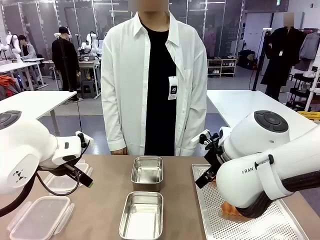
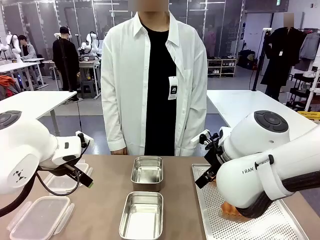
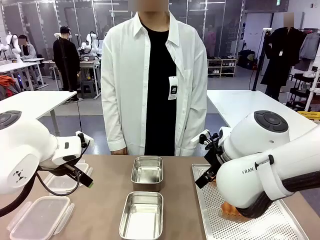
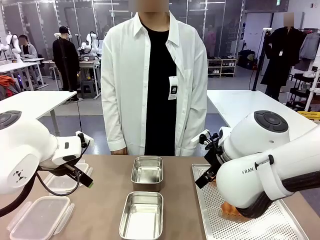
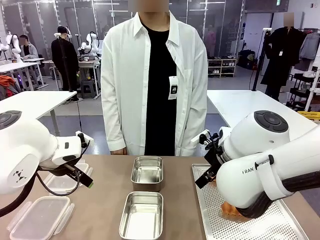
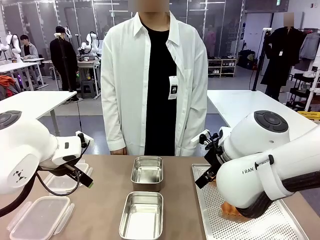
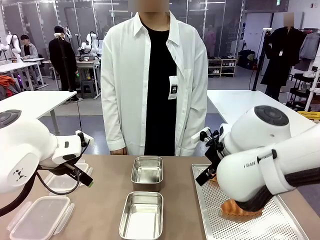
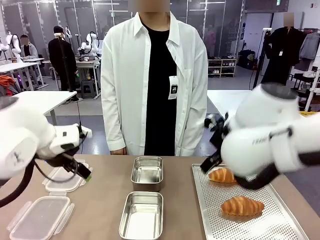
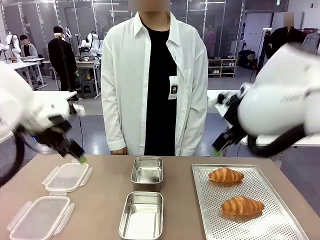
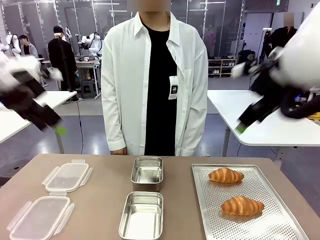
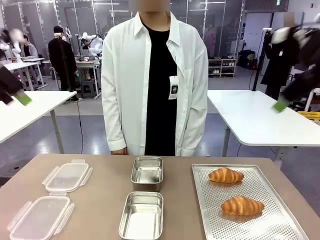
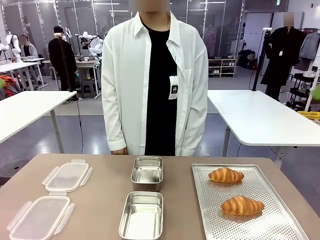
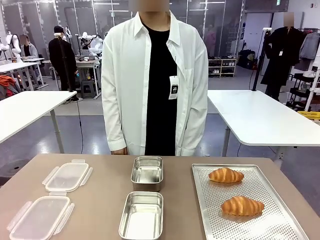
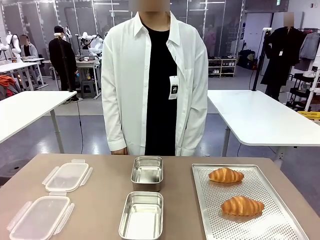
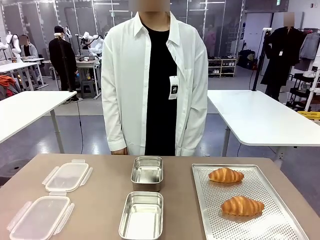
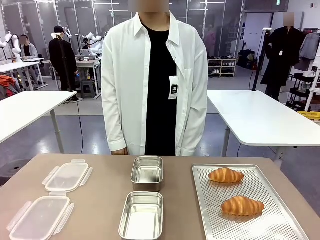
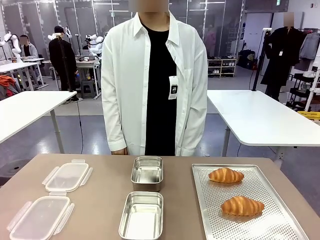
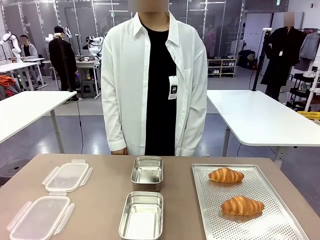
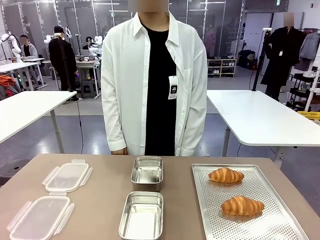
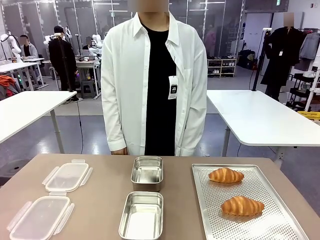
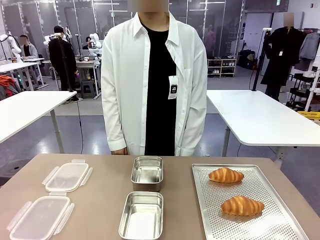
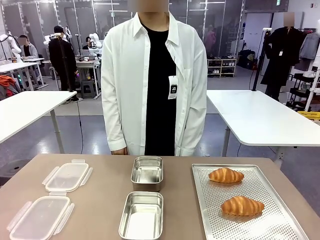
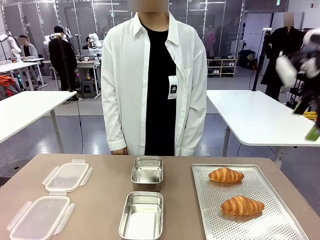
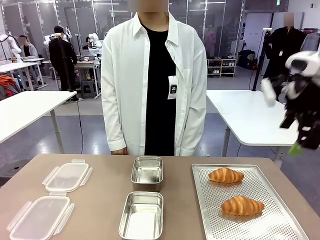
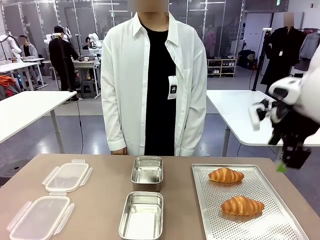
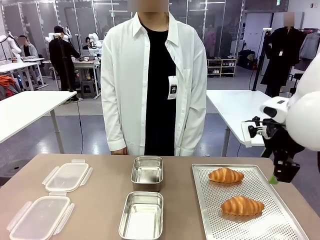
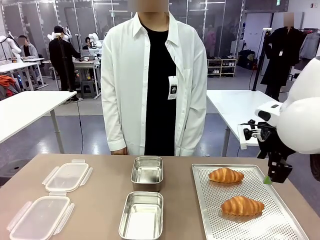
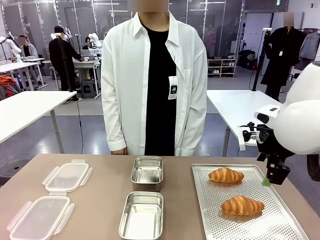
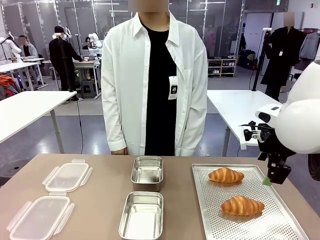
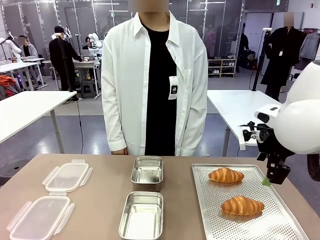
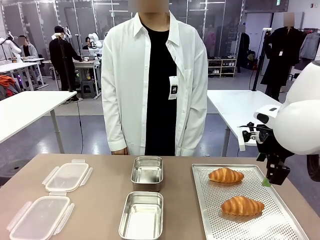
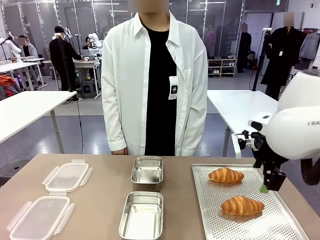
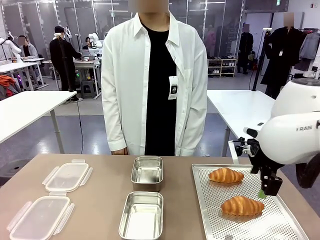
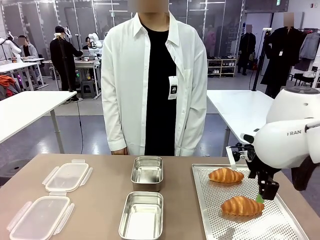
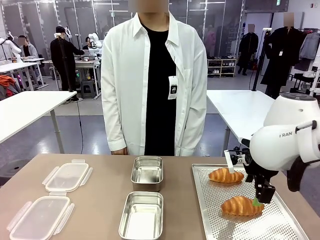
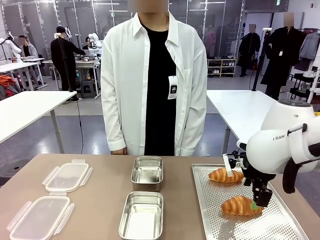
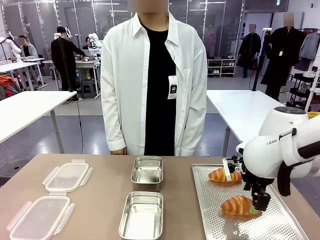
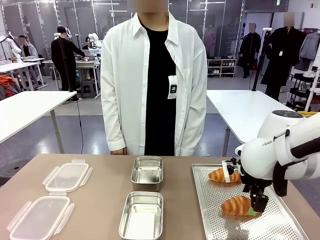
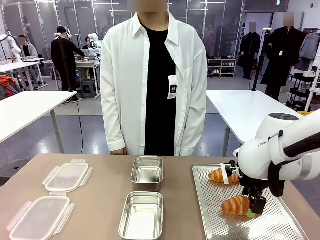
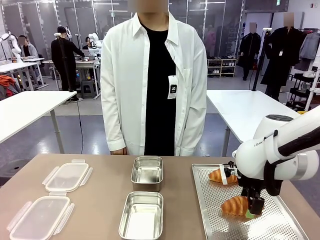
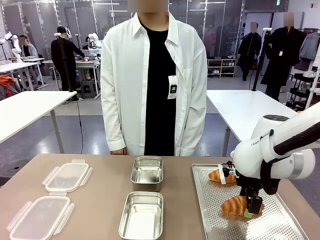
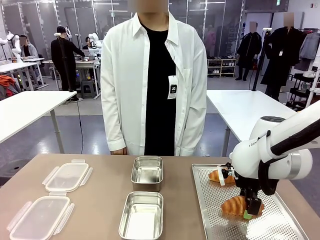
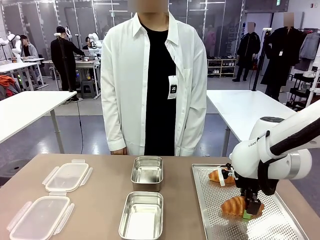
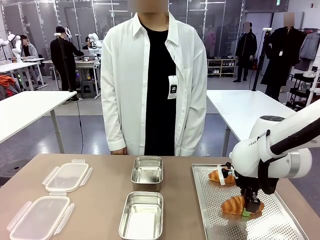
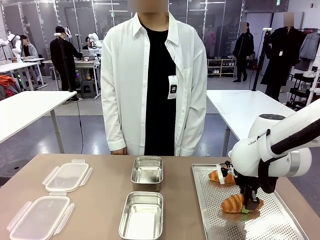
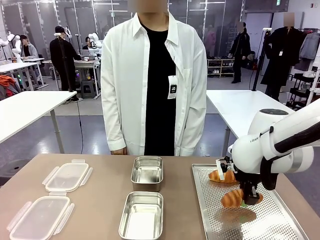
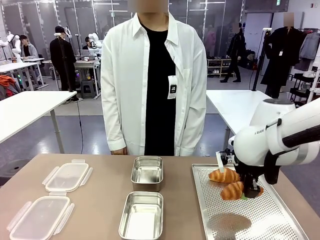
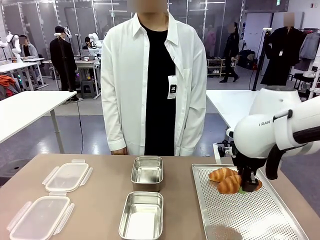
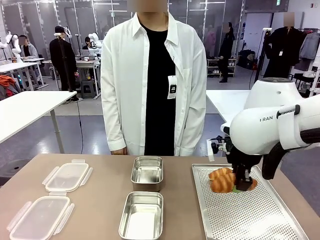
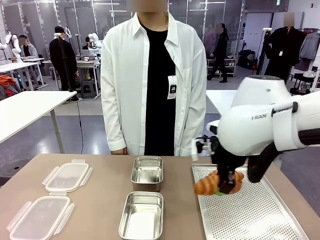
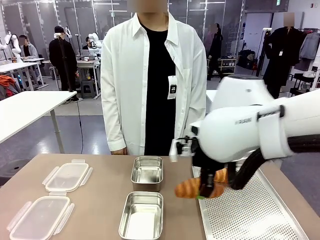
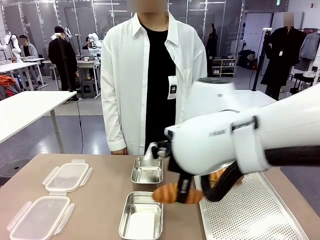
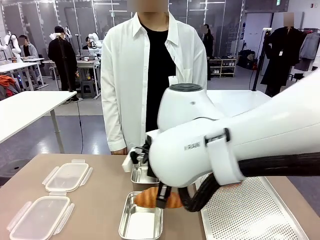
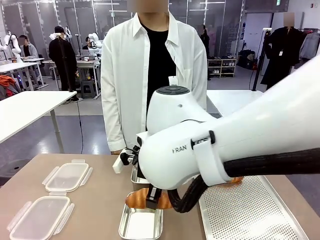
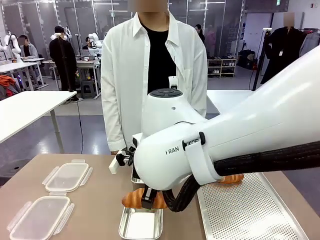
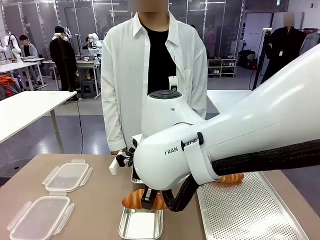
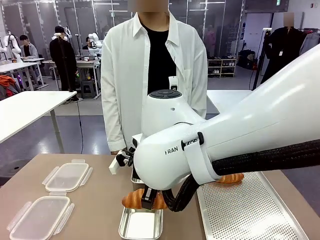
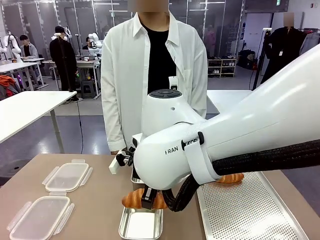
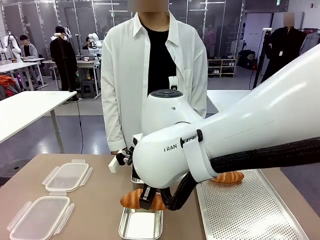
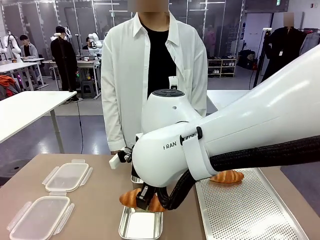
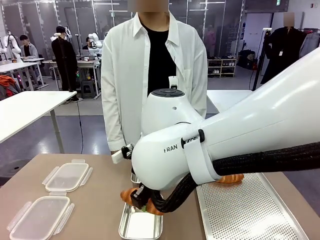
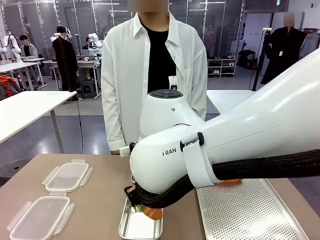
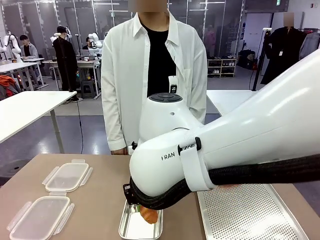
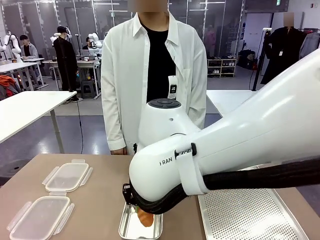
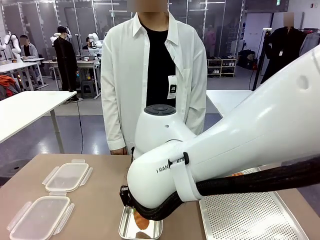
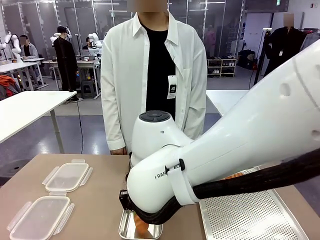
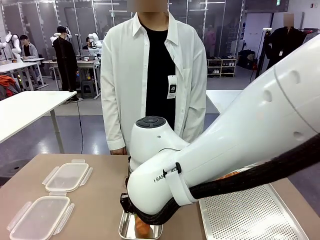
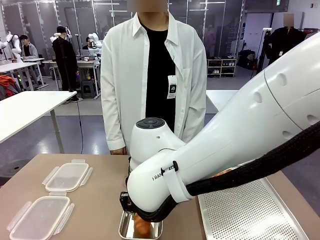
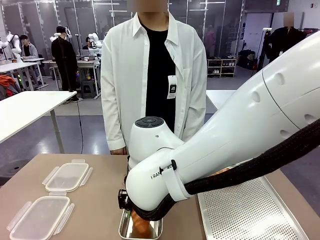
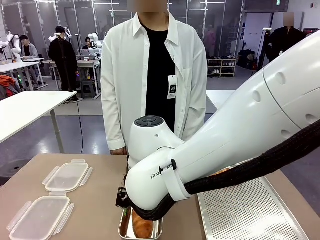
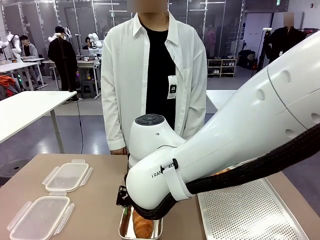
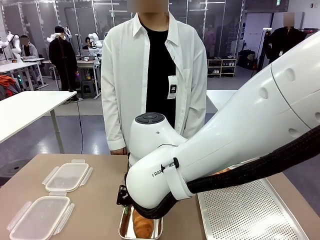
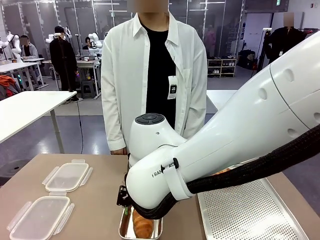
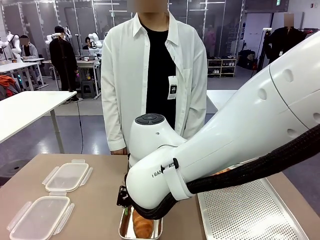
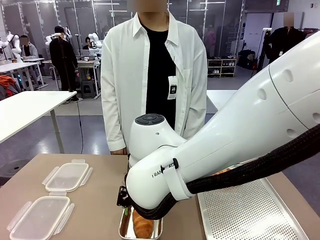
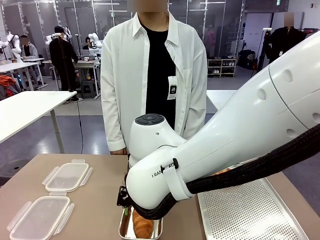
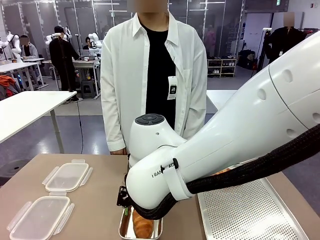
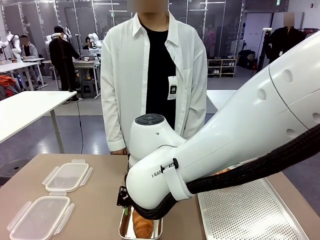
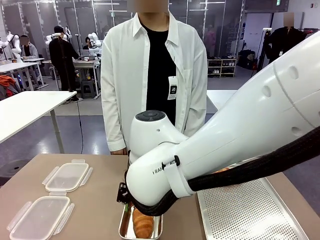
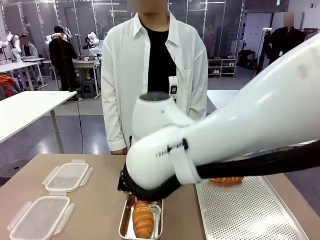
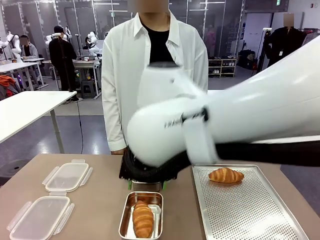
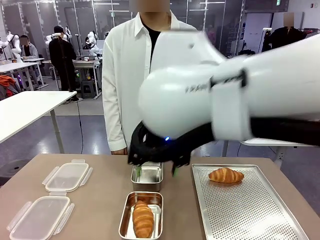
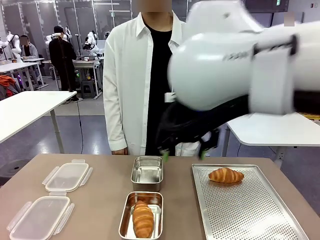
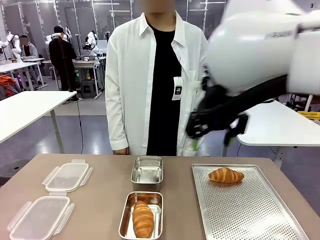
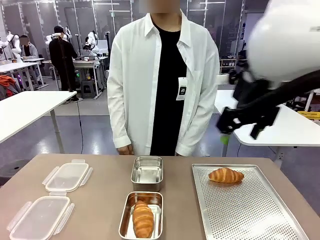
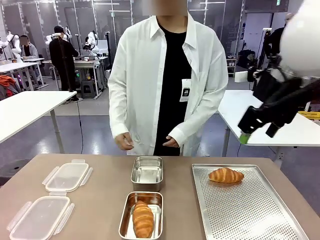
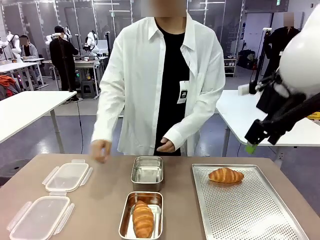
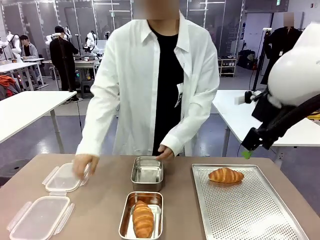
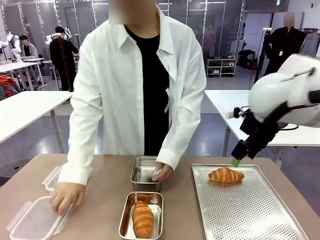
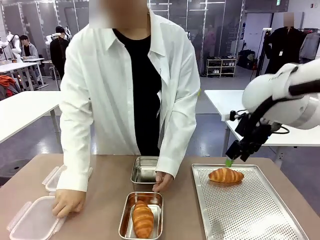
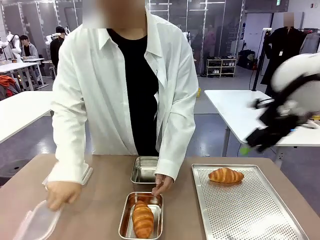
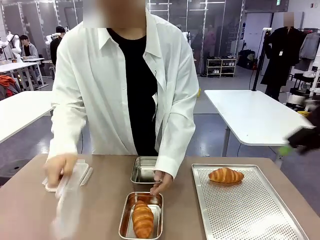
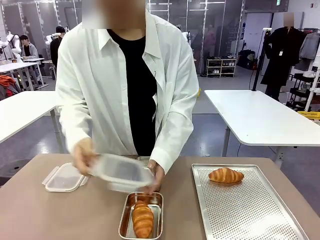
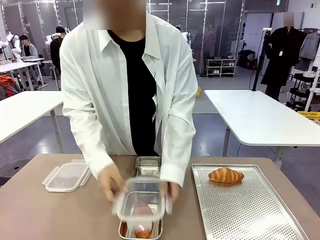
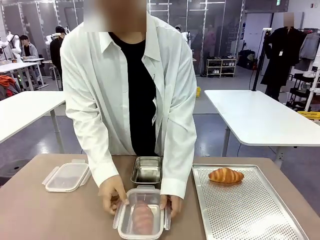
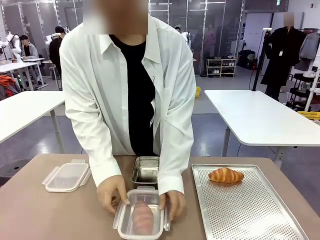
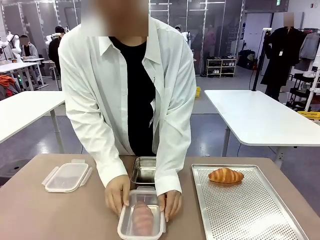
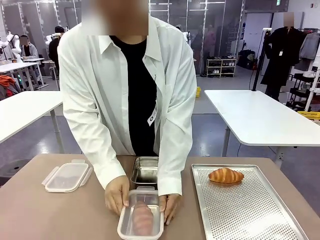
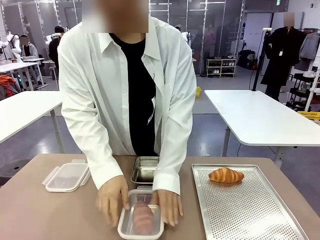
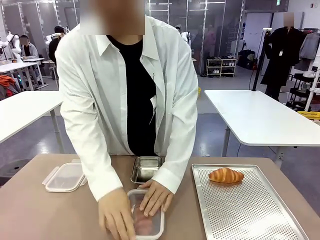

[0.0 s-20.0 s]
Task: Place the bread into the airtight container.
Robot: Pick up a Butter Roll and place it into an empty Airtight Container.
